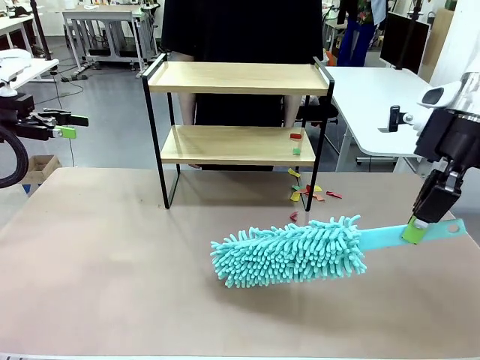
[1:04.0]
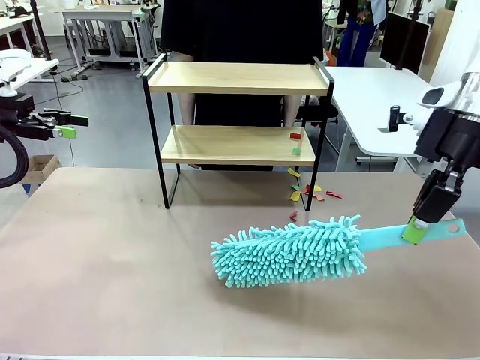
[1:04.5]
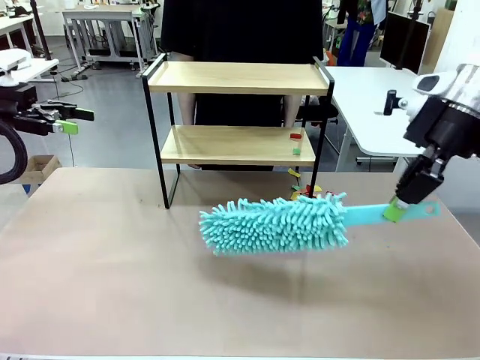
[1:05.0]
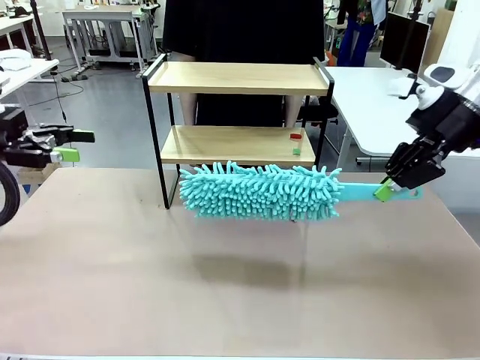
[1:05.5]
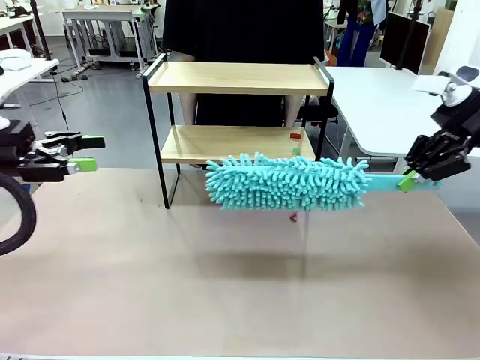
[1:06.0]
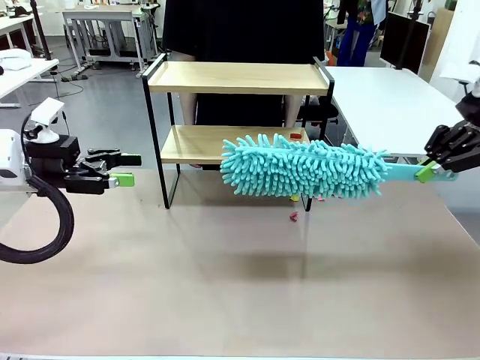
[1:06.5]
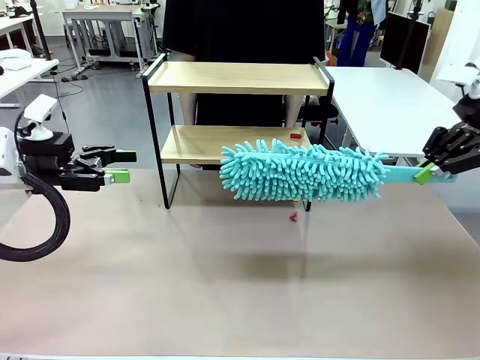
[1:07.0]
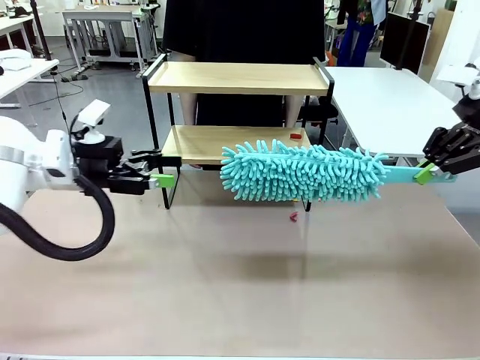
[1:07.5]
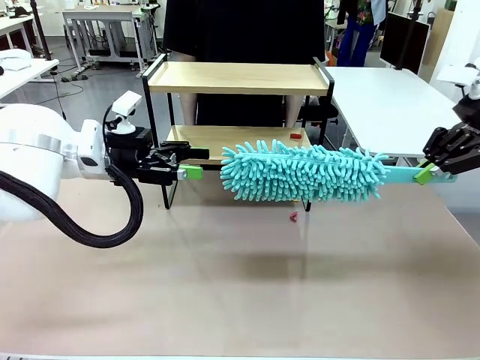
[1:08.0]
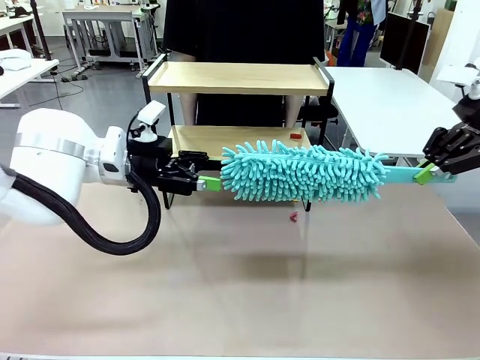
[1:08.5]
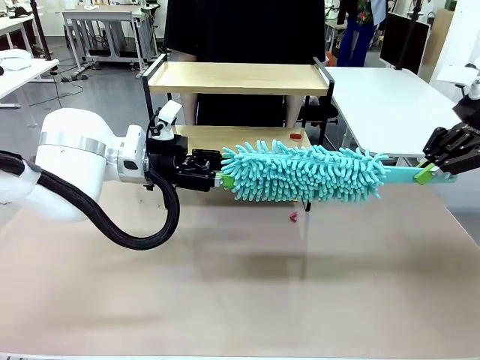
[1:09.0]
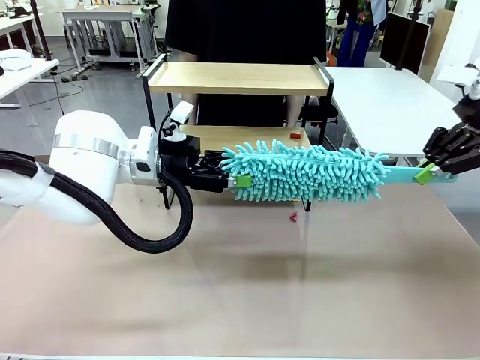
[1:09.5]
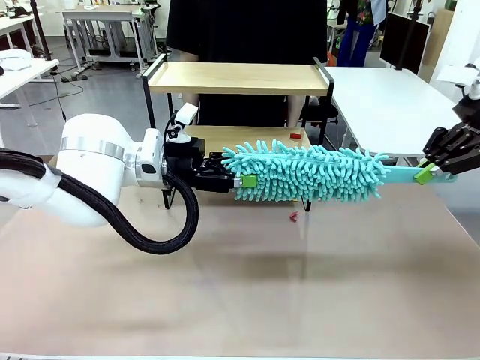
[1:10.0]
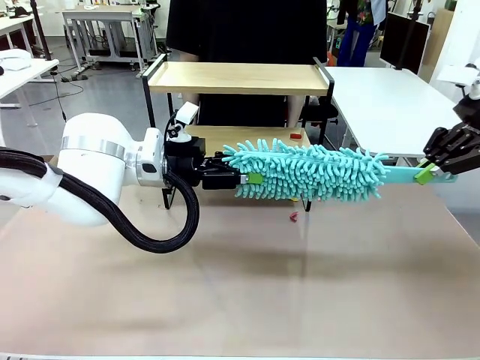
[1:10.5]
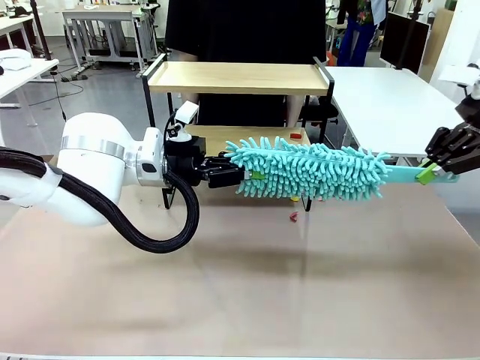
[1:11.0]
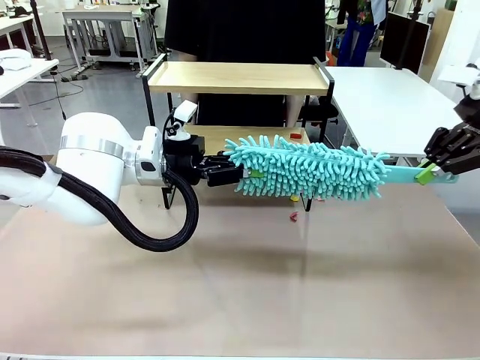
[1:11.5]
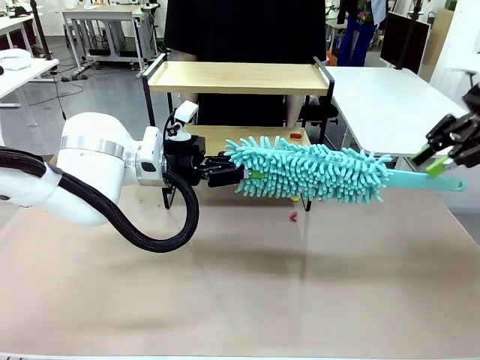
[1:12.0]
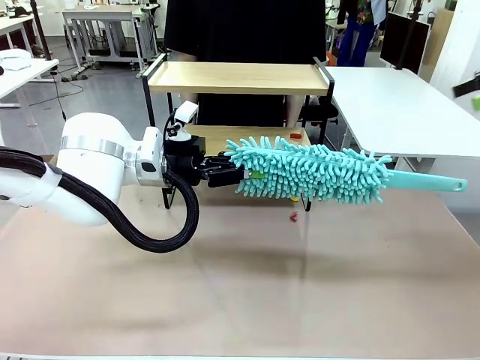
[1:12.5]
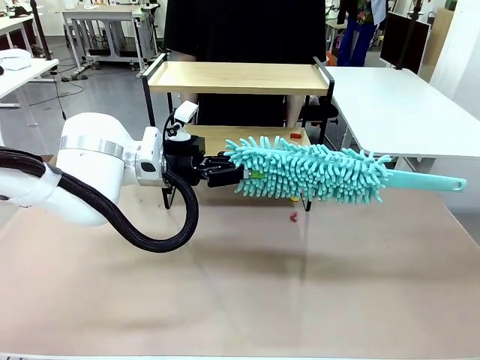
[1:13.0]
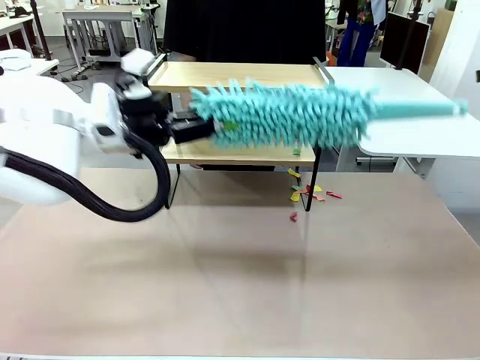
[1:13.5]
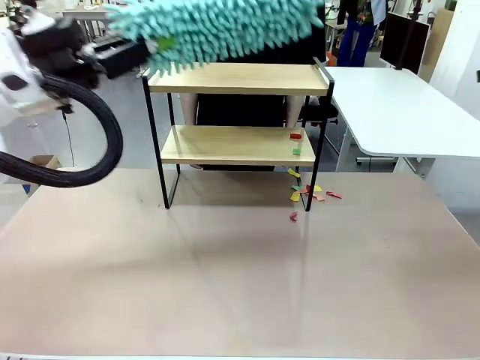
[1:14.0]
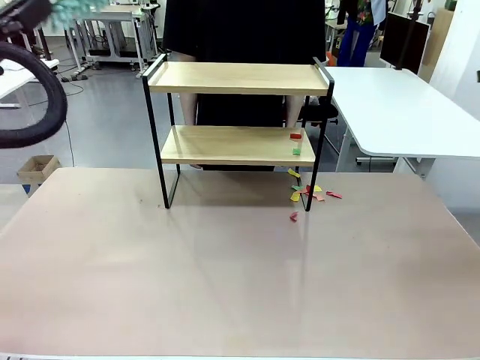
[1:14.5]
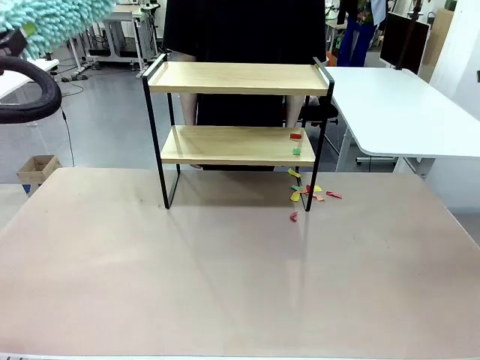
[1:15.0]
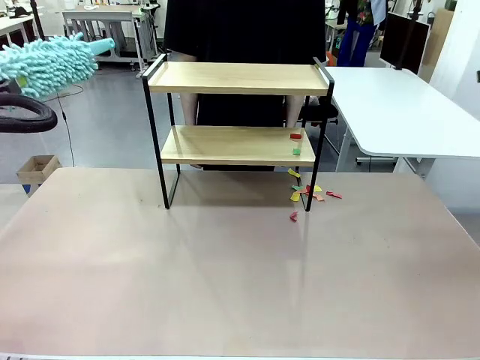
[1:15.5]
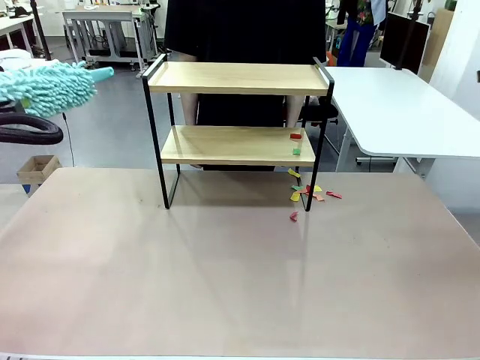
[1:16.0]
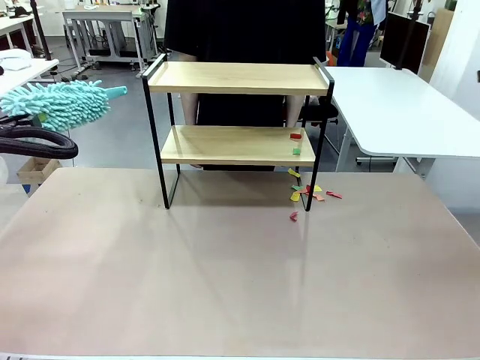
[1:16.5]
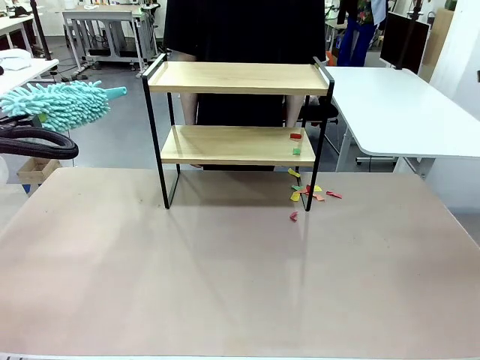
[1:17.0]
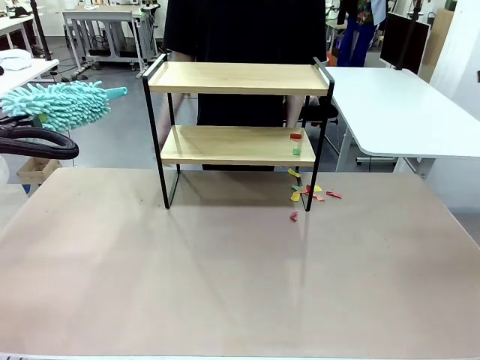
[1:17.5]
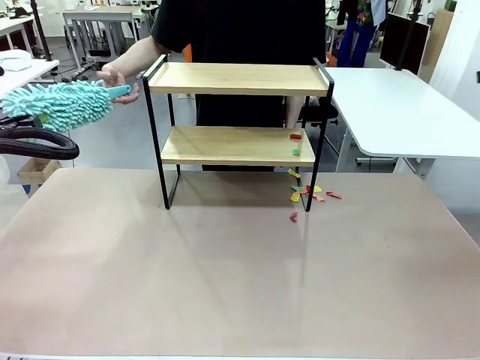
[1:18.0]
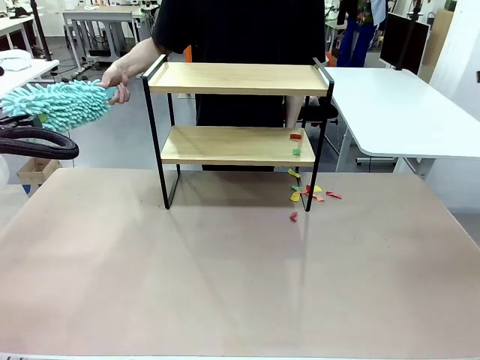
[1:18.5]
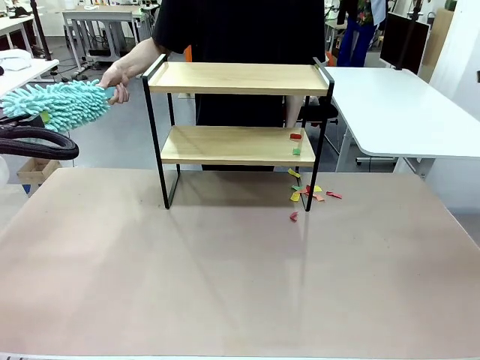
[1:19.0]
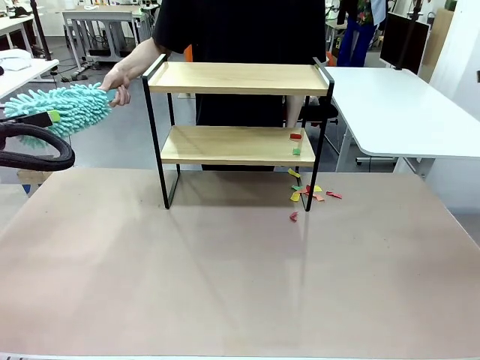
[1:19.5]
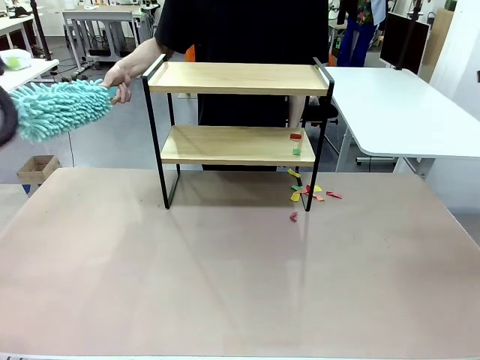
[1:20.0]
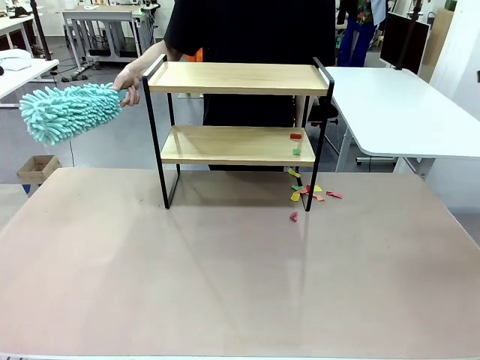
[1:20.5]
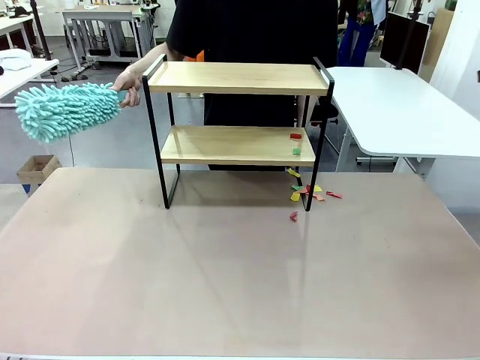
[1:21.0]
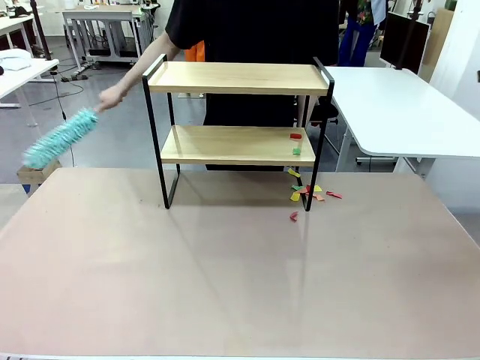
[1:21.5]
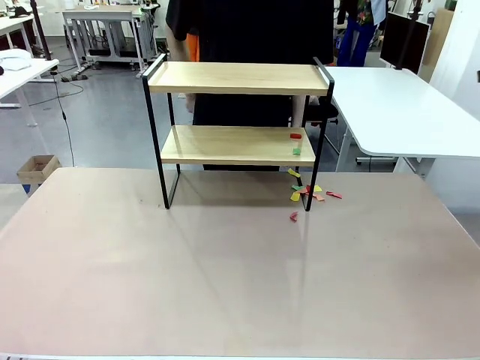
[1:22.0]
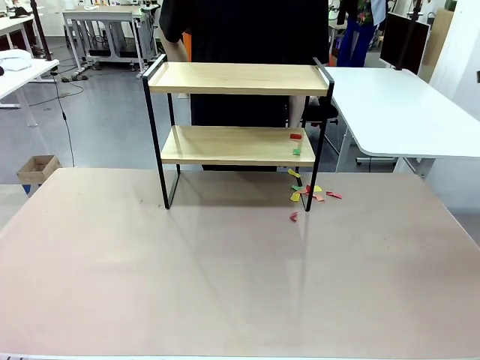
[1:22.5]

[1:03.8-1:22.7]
Task: Clean the shelf.
Robot: Hand the Duster back to the human.
Person: Receive the Duster from the robot.
